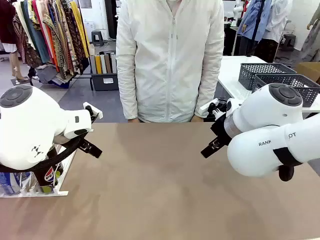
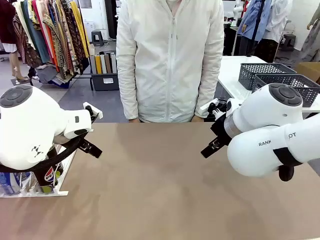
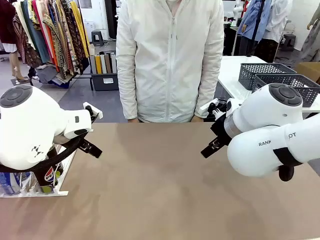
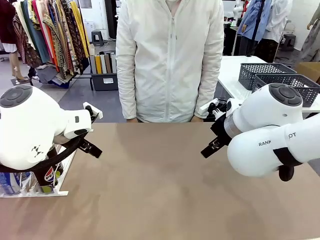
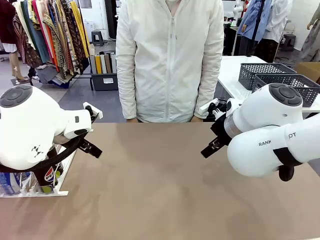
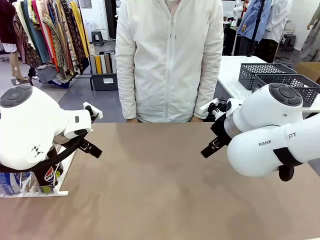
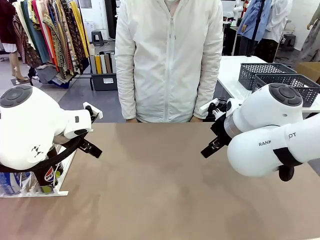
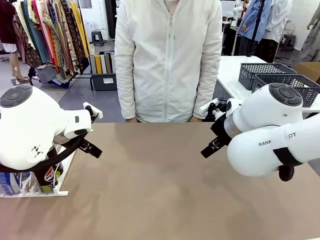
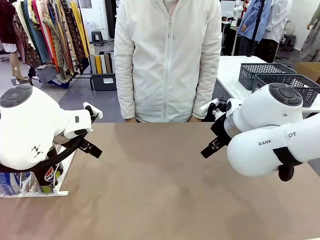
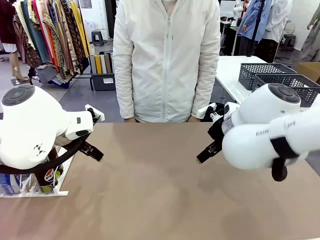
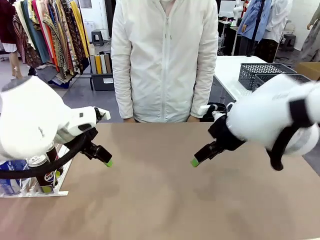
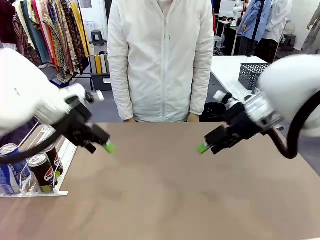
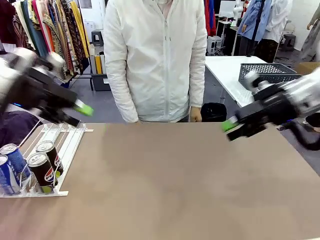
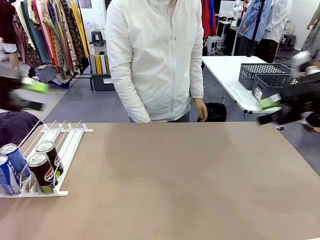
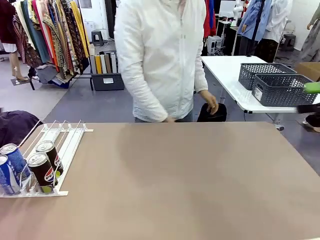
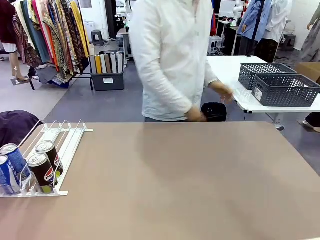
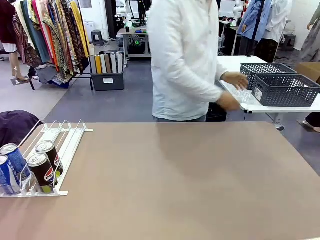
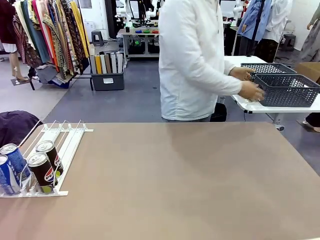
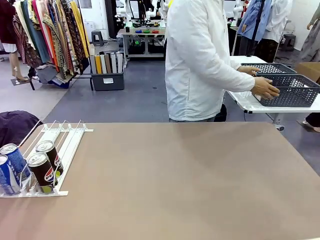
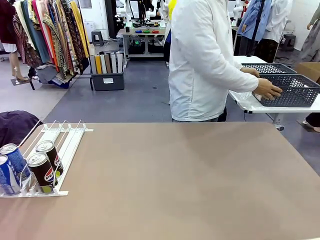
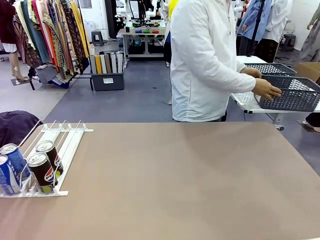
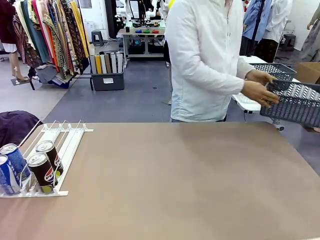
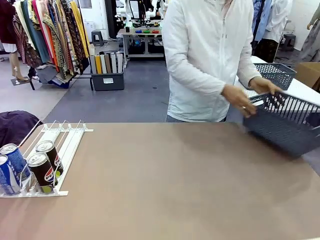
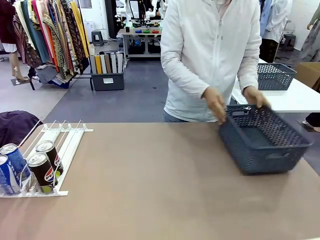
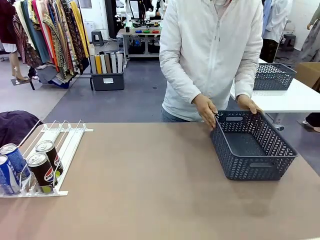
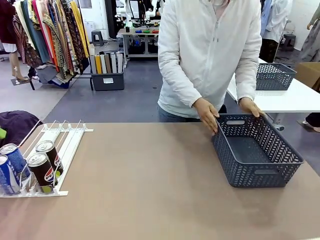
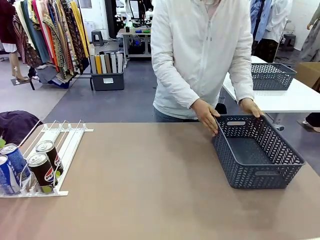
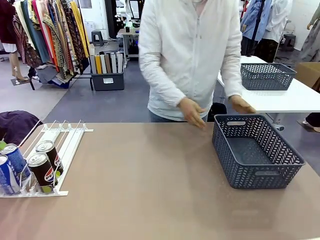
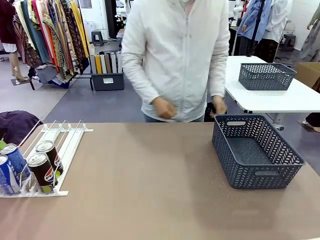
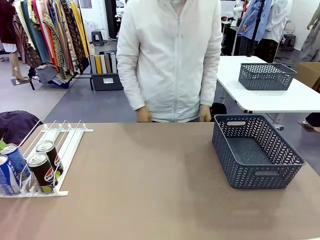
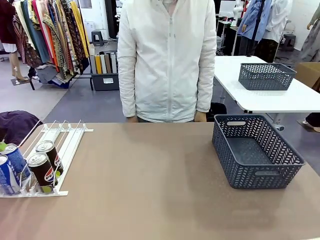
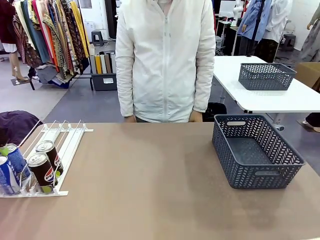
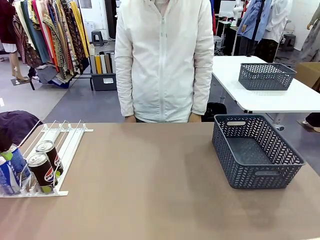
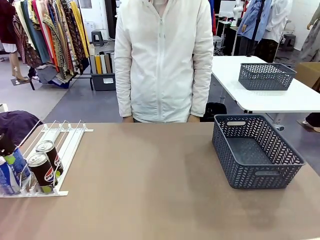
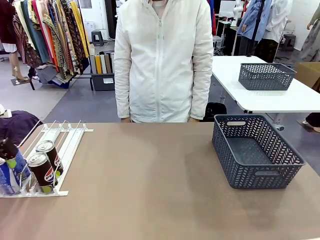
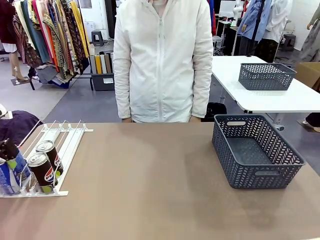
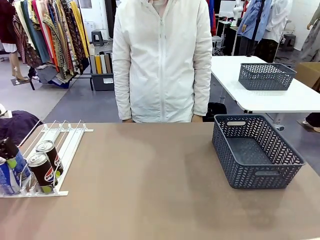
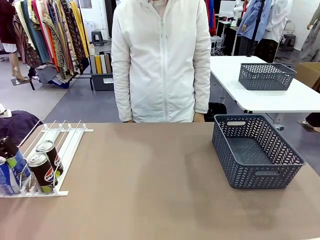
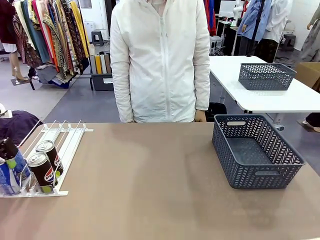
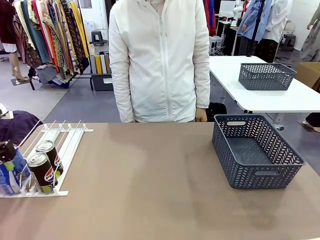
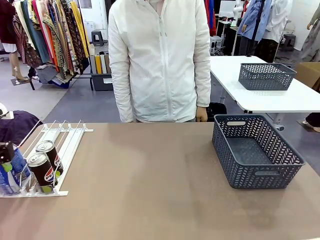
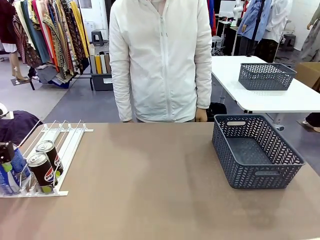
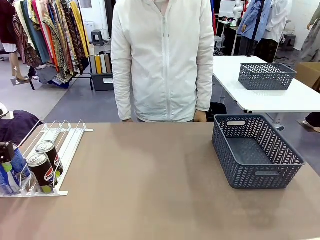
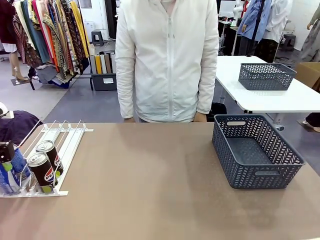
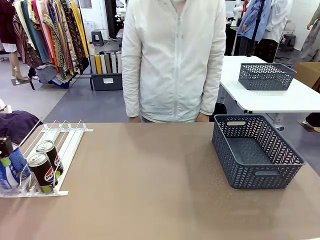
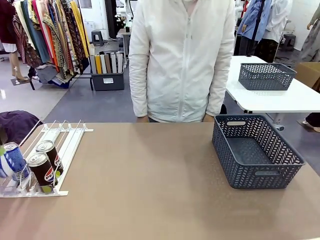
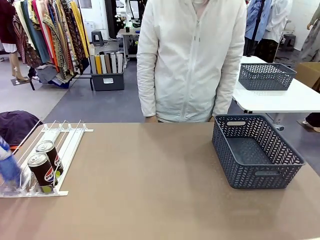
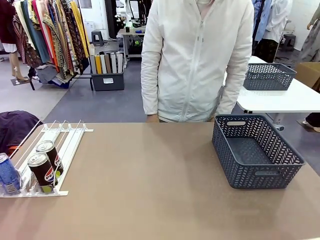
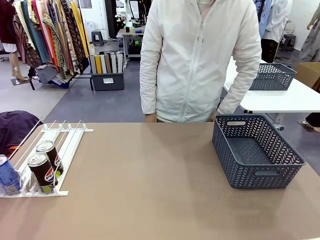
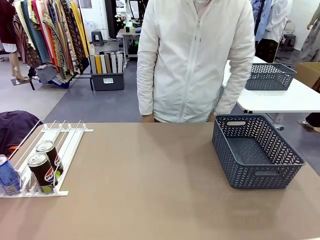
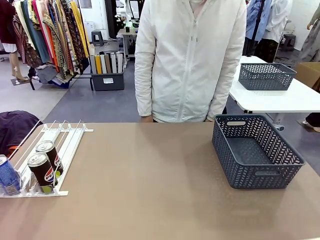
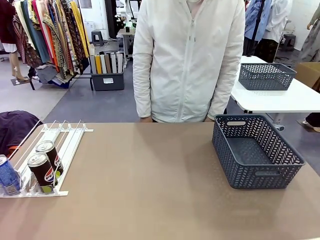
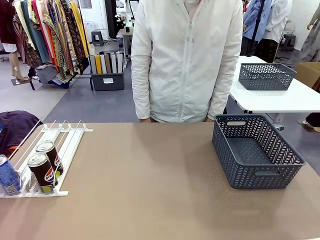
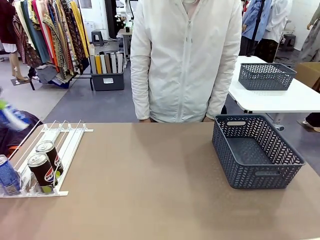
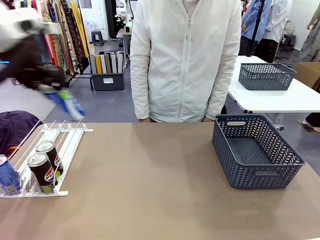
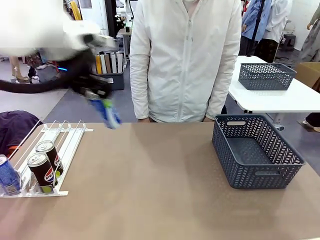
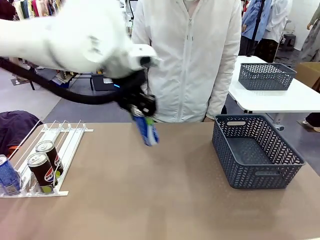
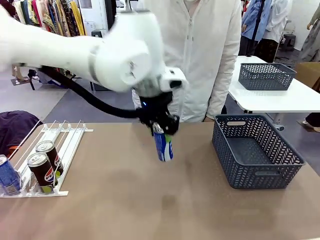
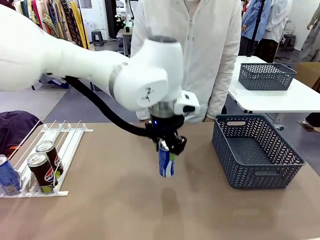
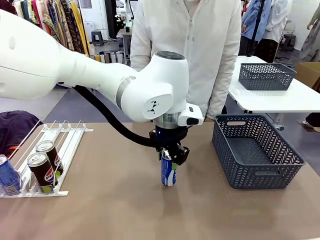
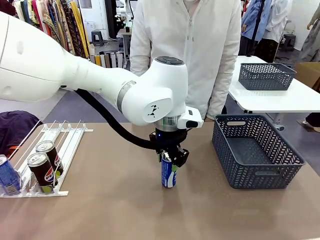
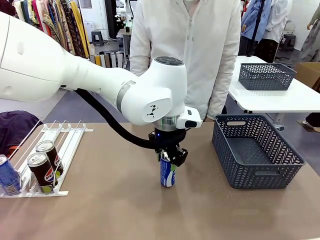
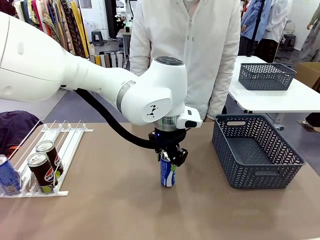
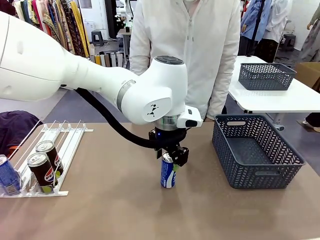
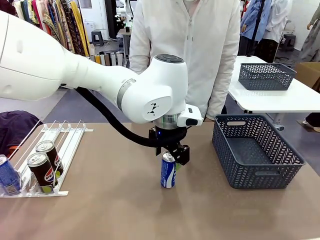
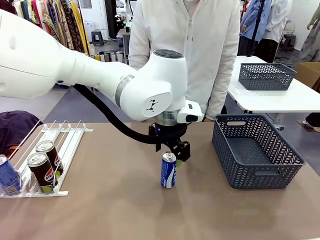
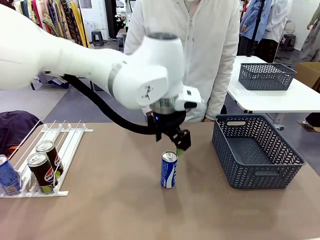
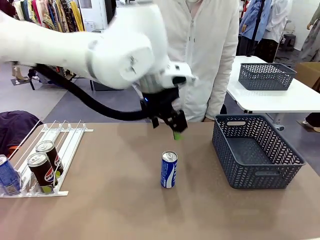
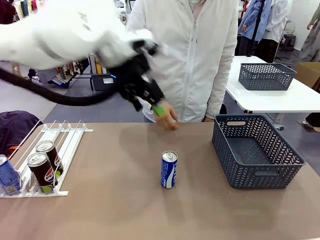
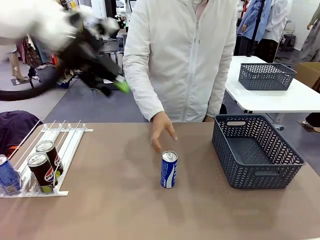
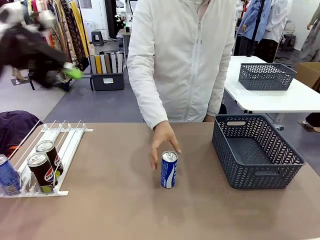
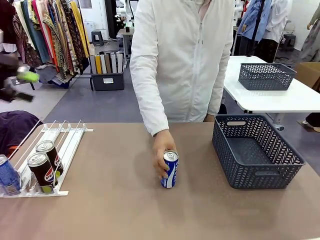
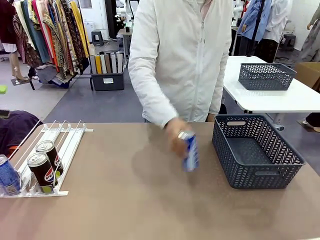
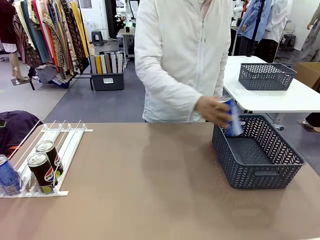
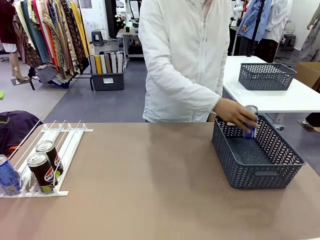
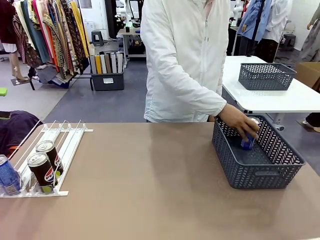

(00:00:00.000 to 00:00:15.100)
Task: Retrieve and store the cans from the dispenser.
Robot: Pick up one can from the Automatic Can Dispenser and place it in the middle of the table.
Person: Pick up the basket and place it on the left side of the robot table.
